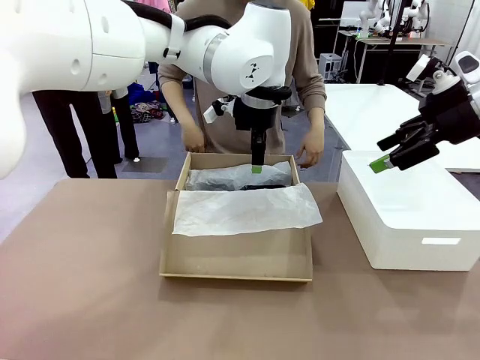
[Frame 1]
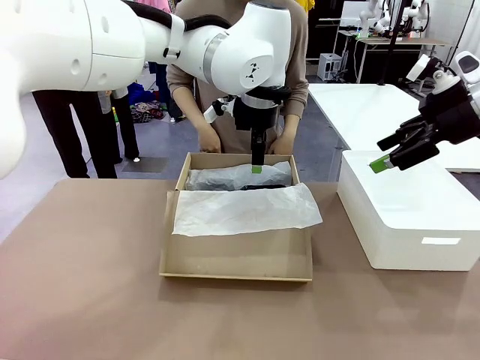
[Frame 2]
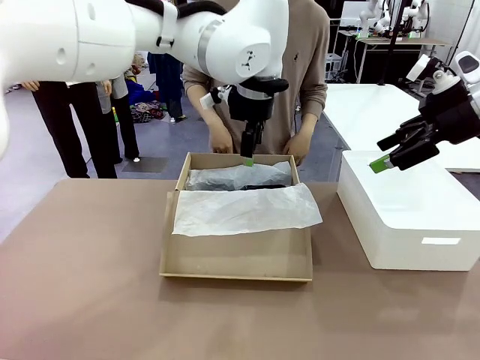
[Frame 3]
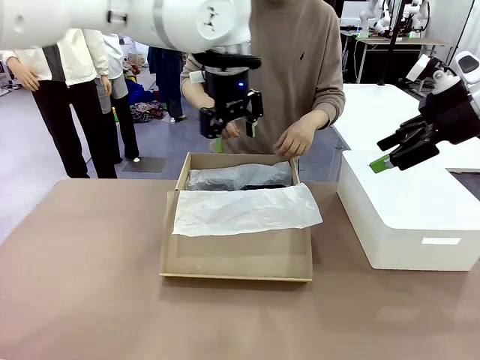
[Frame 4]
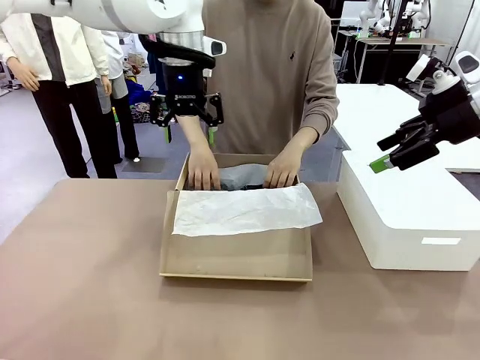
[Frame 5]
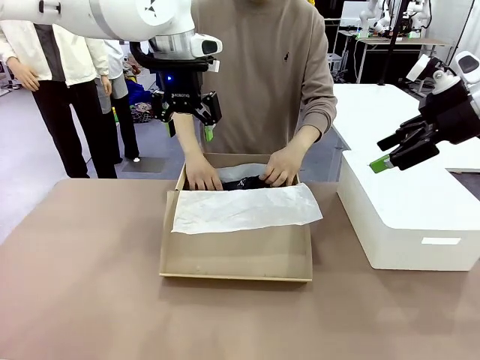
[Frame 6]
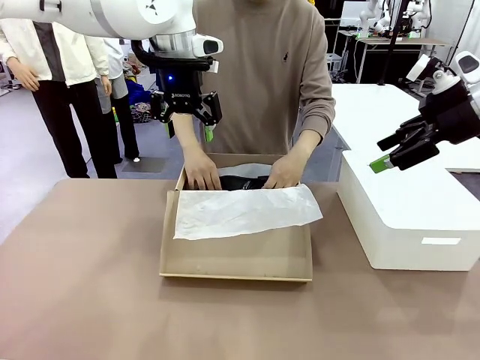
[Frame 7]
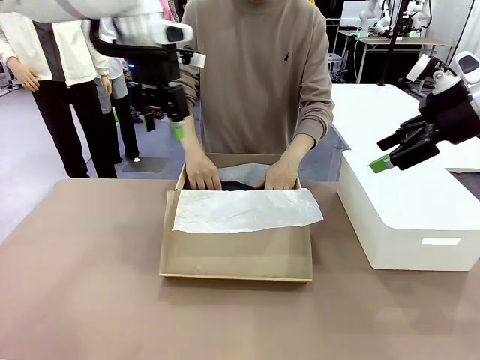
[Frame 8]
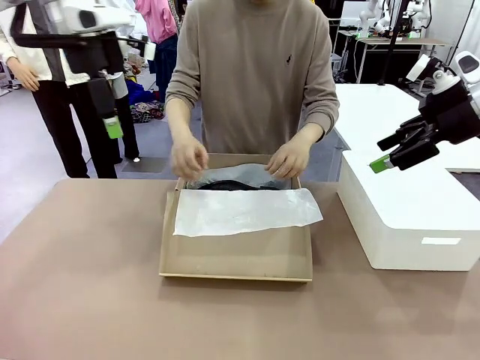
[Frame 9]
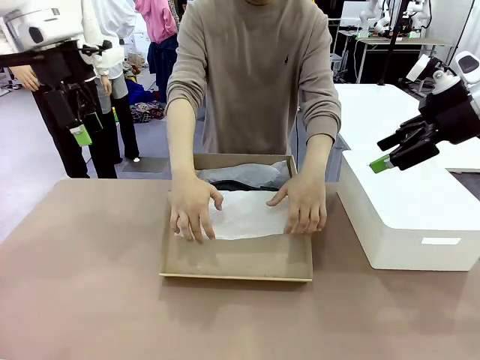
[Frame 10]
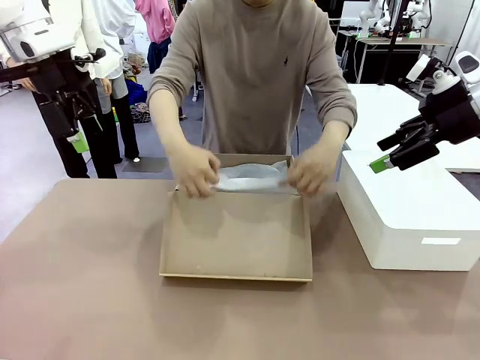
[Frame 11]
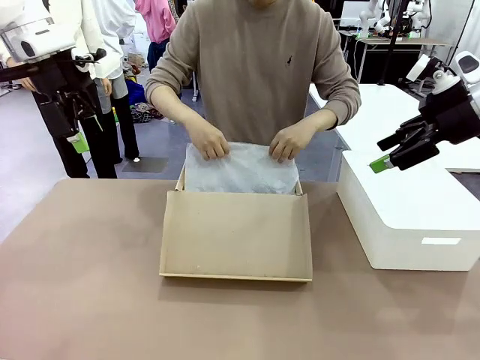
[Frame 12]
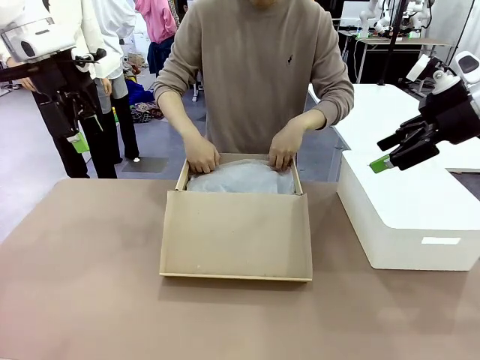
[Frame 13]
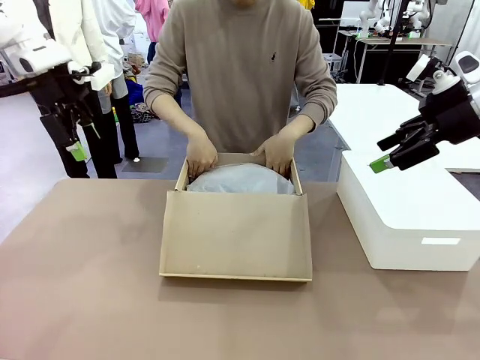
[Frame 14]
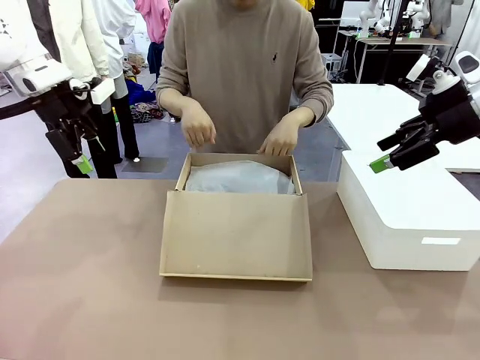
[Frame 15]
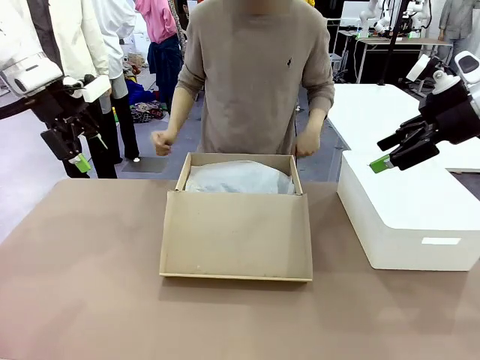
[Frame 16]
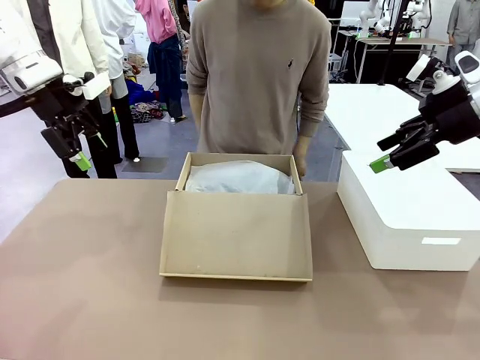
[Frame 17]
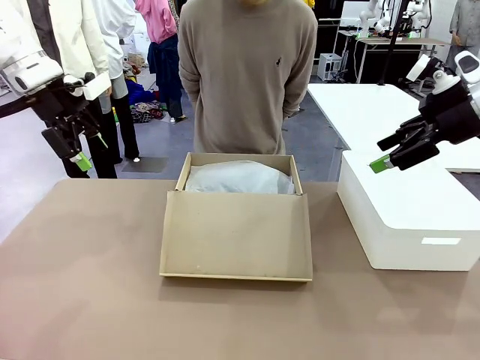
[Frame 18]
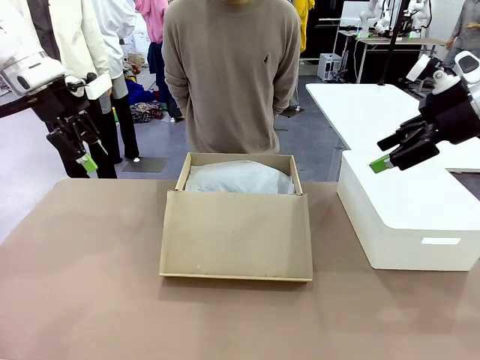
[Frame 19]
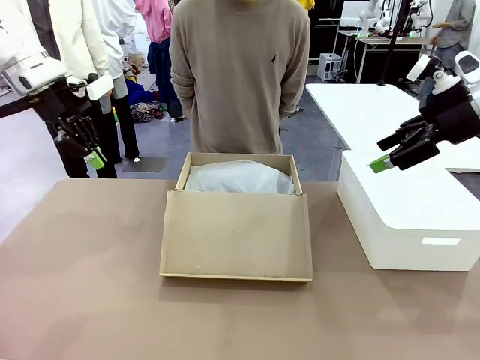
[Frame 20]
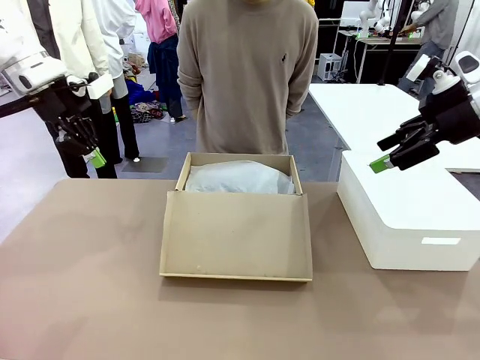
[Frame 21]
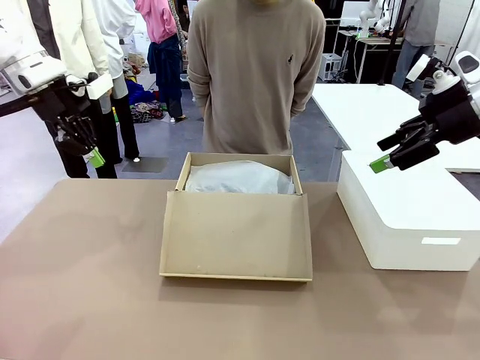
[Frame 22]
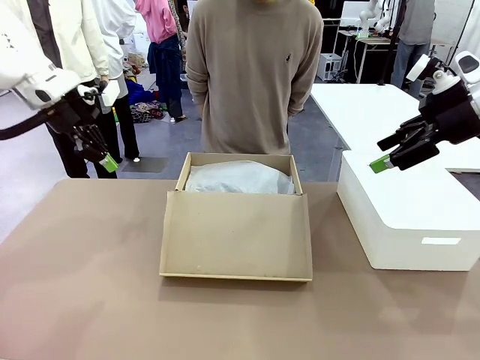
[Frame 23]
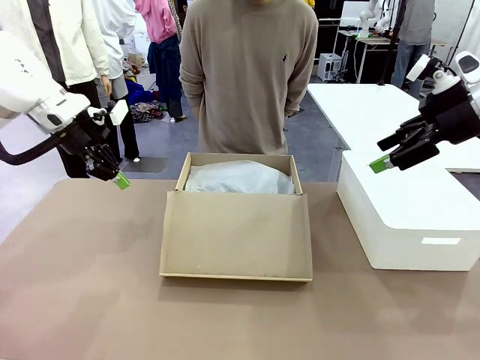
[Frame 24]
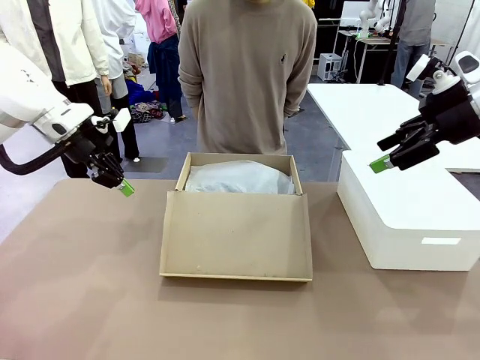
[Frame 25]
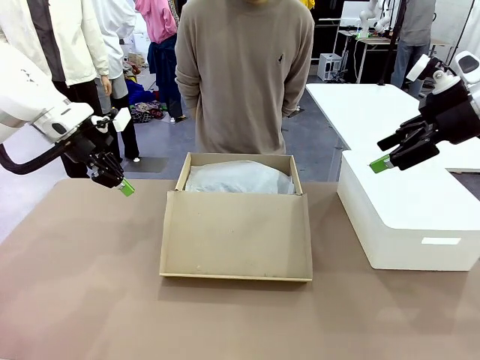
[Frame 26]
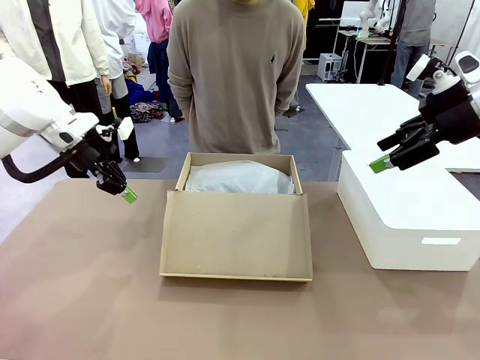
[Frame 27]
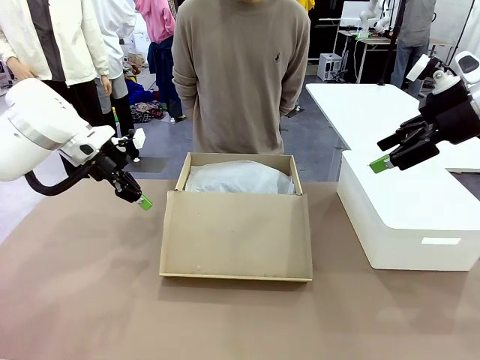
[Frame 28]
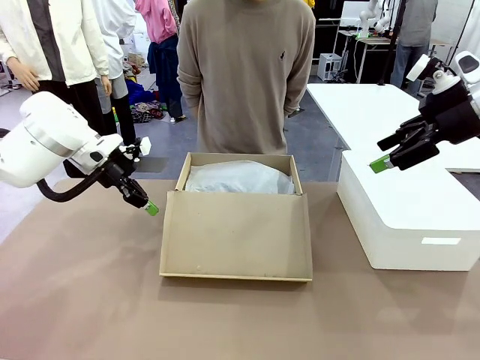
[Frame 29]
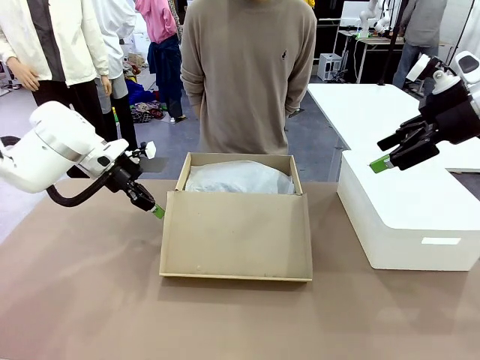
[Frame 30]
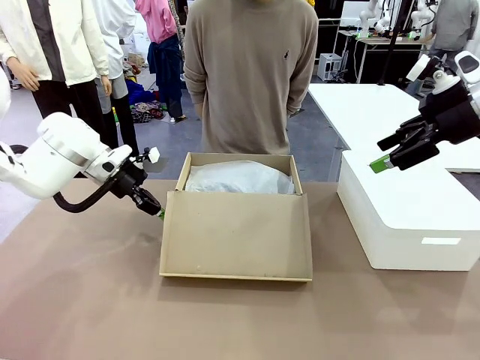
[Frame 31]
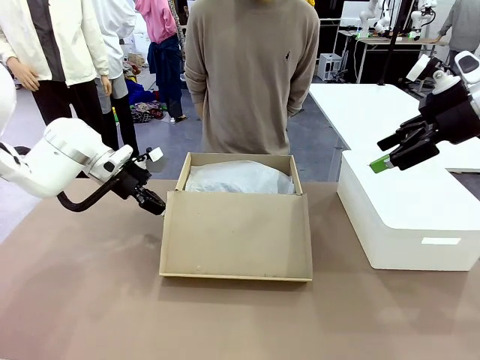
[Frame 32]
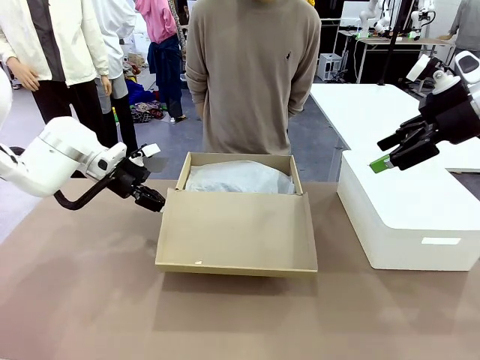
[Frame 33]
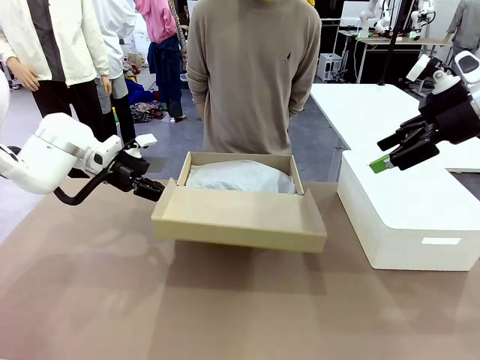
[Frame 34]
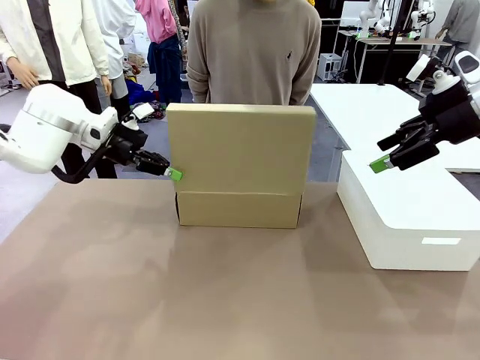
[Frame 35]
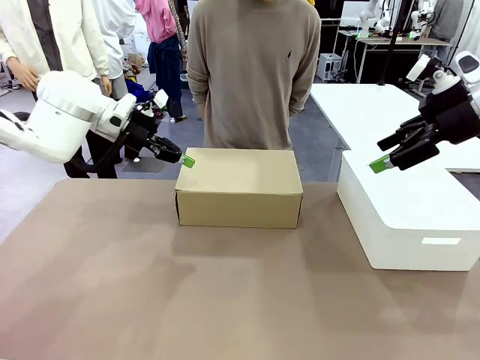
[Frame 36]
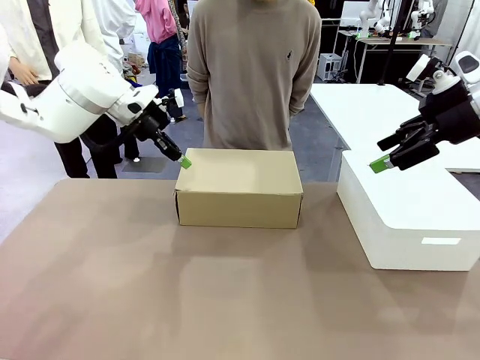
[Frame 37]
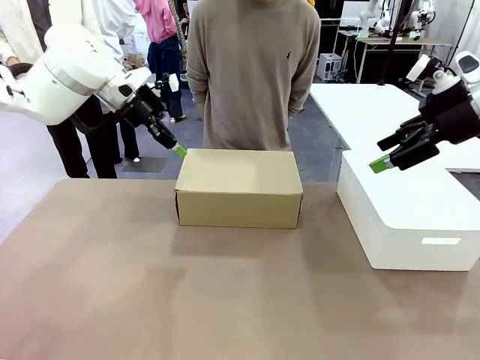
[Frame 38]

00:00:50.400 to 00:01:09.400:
Task: Pack the shoes into the box.
Robot: Close the Shoes Box.

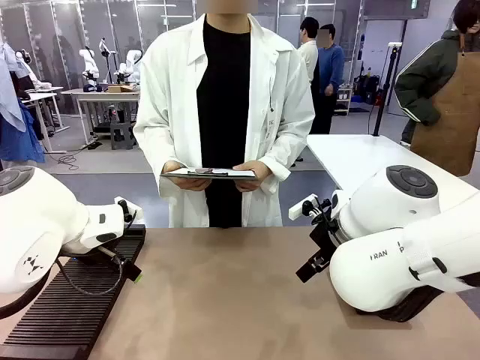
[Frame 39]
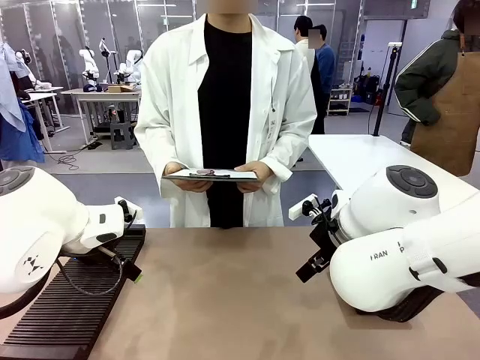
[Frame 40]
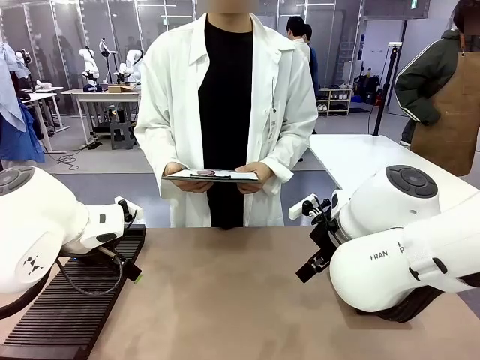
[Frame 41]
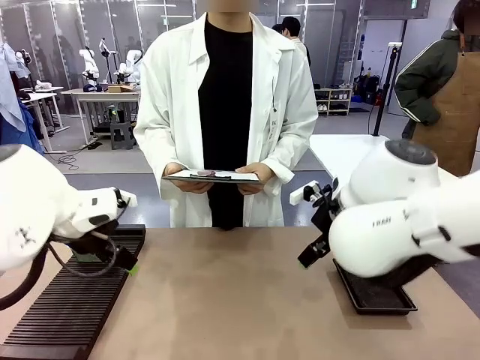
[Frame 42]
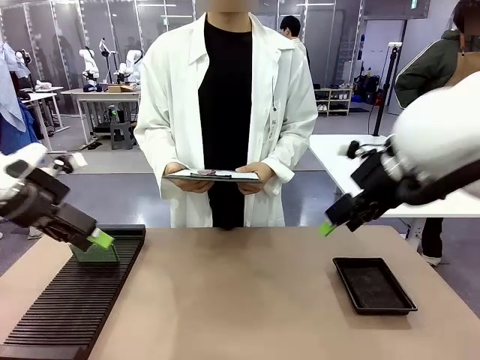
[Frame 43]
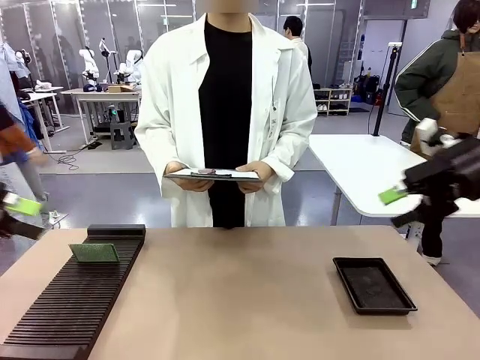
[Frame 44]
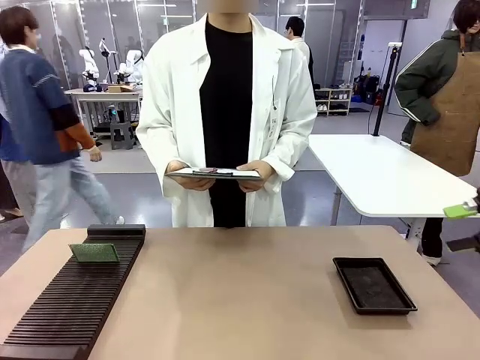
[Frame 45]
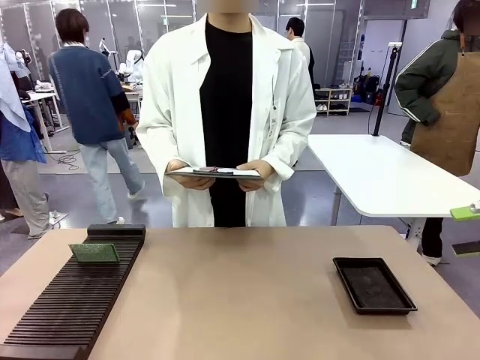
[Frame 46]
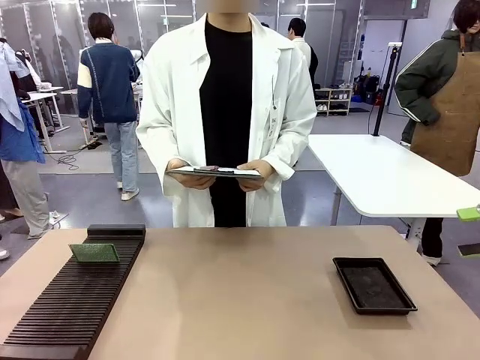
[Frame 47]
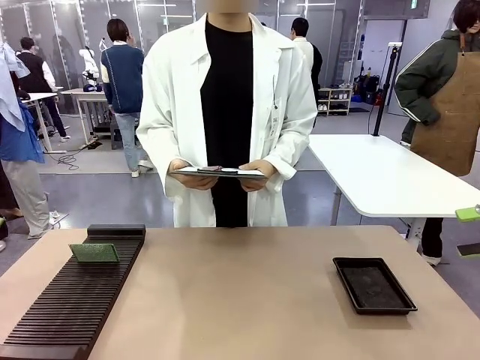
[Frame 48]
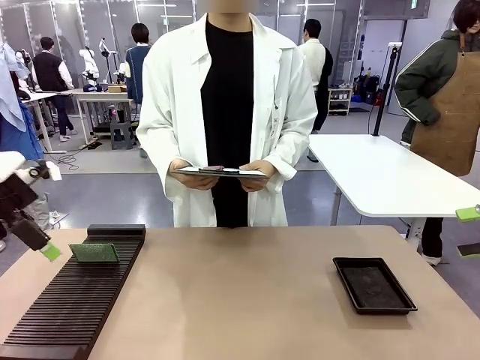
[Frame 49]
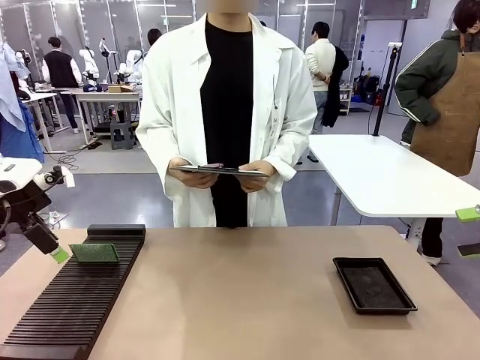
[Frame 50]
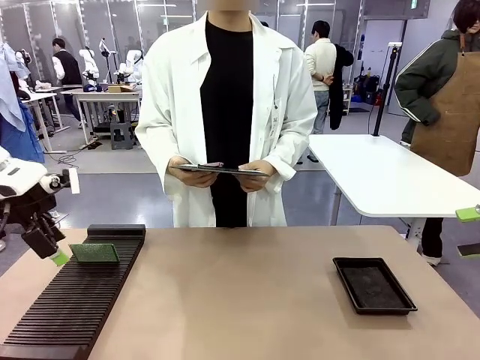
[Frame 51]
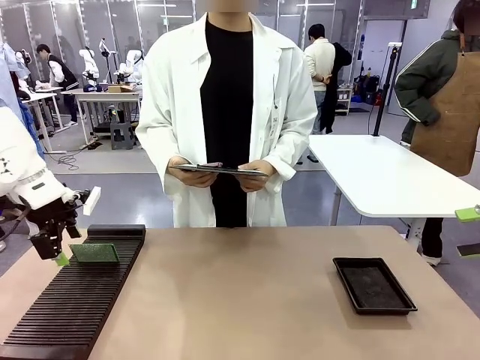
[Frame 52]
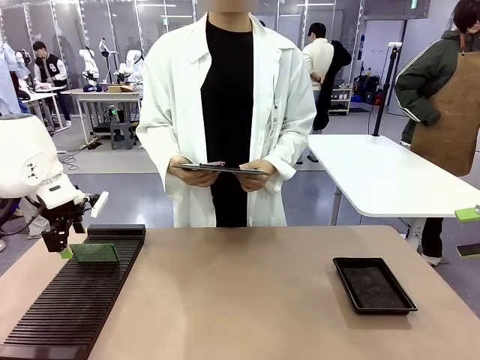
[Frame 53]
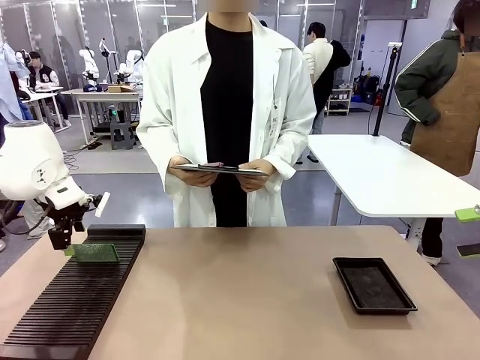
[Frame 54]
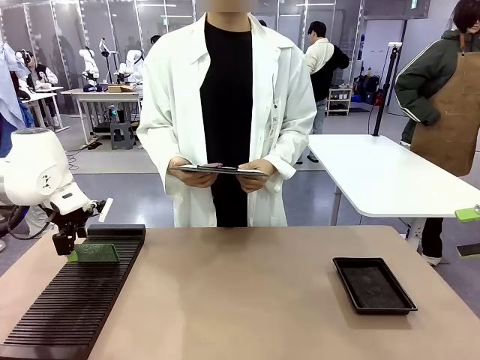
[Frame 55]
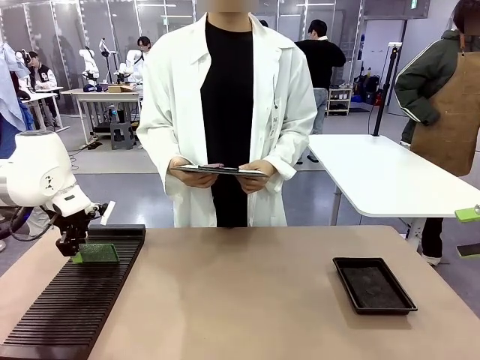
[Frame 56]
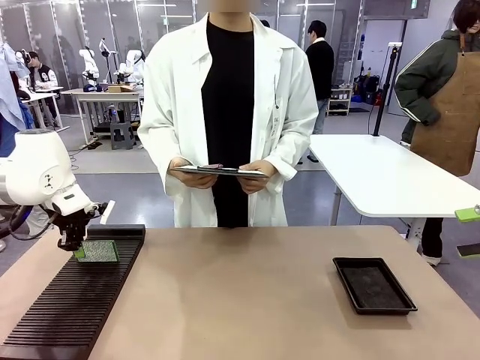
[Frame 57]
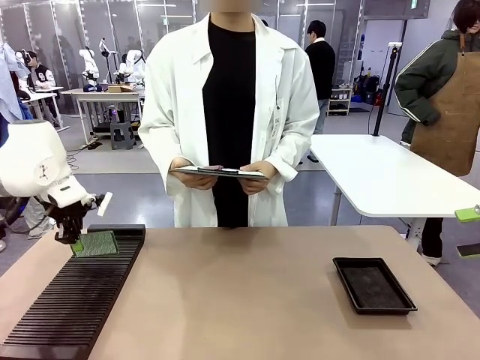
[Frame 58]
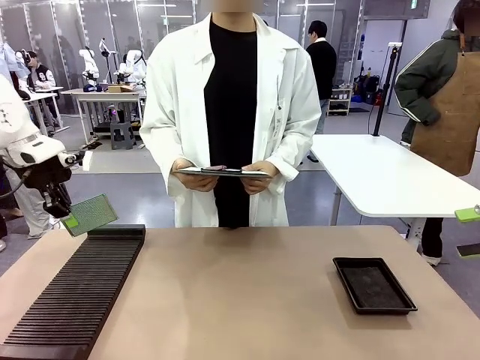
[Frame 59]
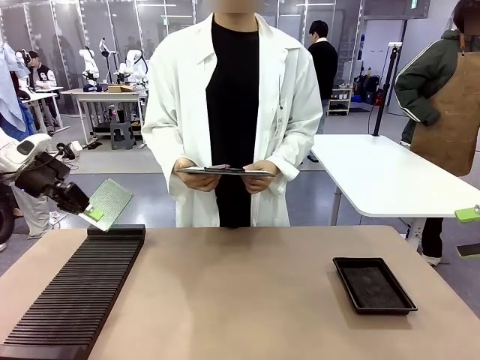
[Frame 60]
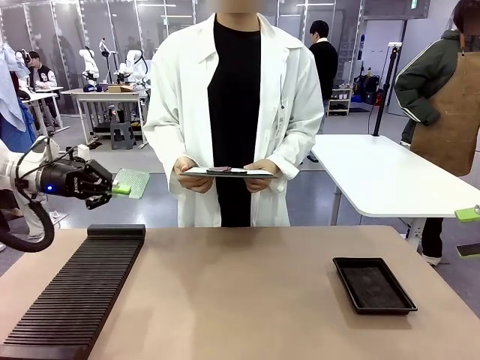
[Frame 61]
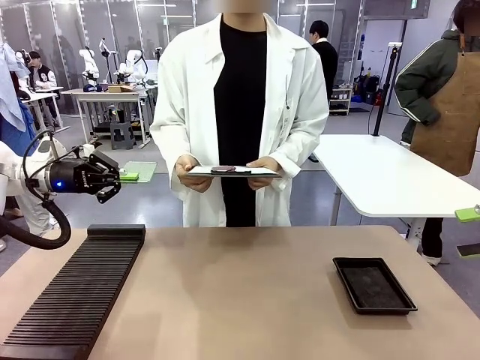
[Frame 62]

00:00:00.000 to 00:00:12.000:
Task: Inspect the PCB.
Robot: Pick up the Blank PCB and present it to the human.
Person: Pick up the PCB presented by the robot.
